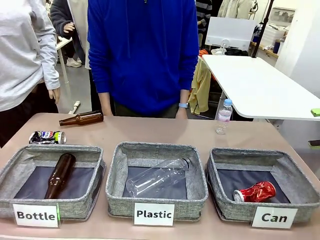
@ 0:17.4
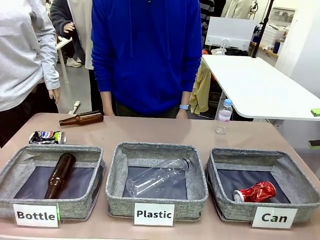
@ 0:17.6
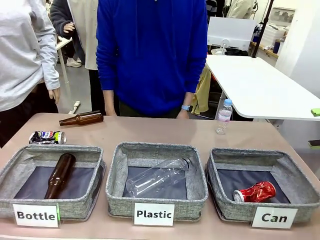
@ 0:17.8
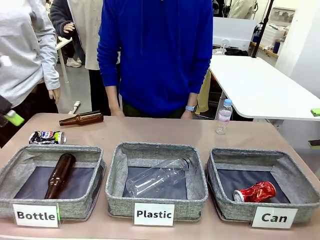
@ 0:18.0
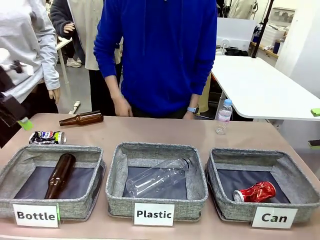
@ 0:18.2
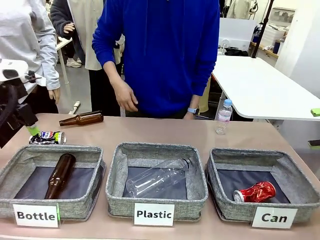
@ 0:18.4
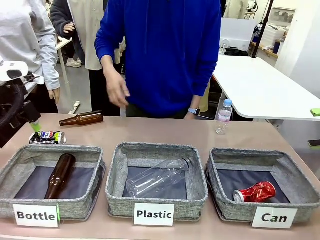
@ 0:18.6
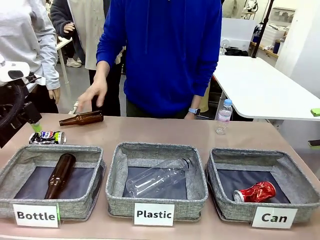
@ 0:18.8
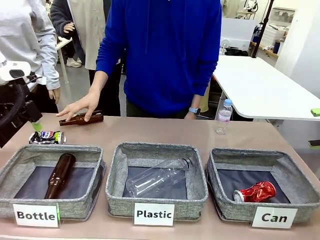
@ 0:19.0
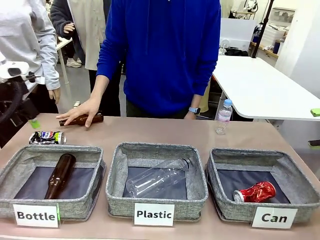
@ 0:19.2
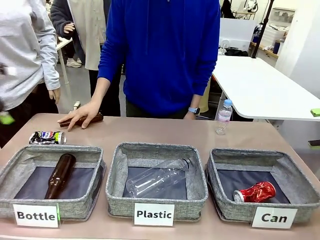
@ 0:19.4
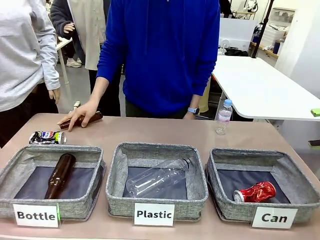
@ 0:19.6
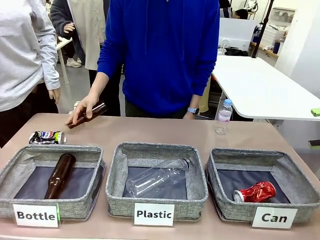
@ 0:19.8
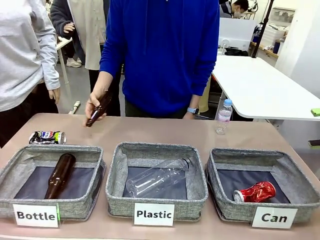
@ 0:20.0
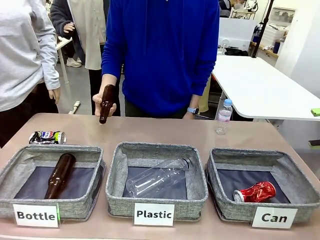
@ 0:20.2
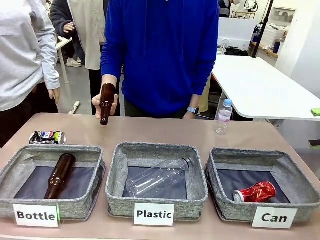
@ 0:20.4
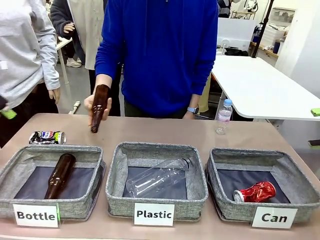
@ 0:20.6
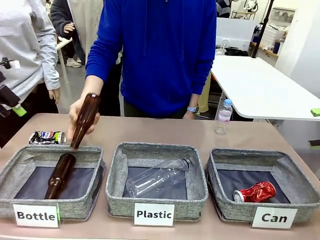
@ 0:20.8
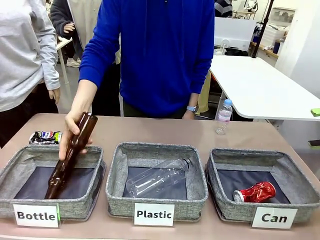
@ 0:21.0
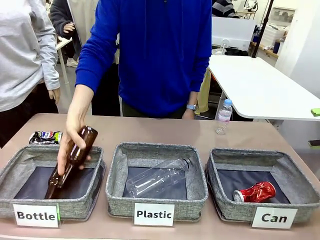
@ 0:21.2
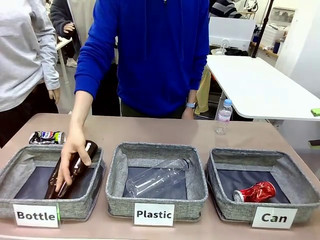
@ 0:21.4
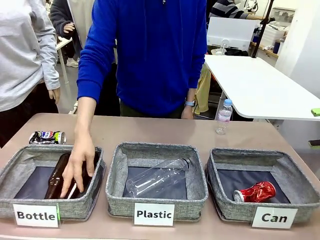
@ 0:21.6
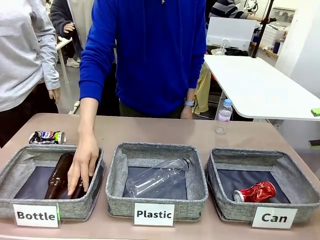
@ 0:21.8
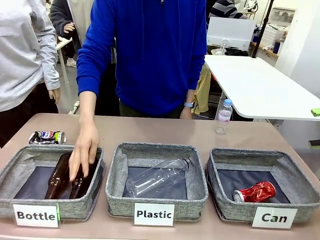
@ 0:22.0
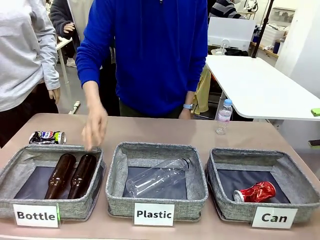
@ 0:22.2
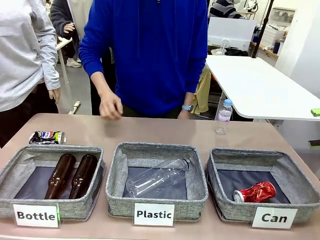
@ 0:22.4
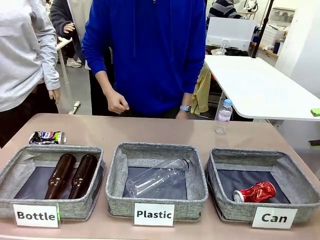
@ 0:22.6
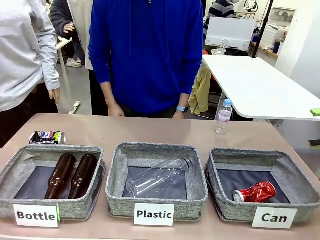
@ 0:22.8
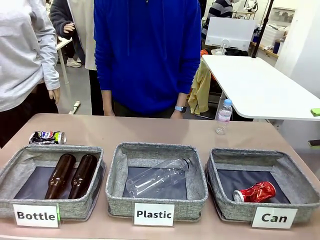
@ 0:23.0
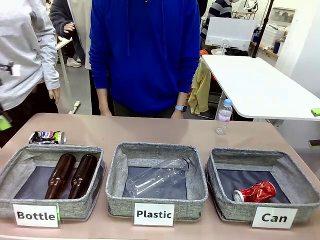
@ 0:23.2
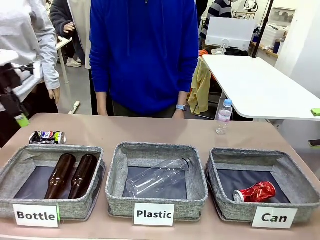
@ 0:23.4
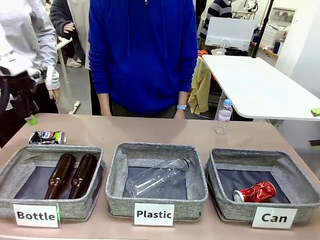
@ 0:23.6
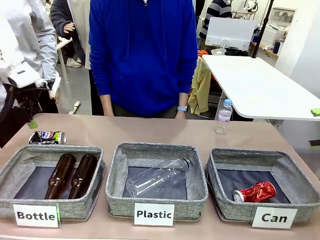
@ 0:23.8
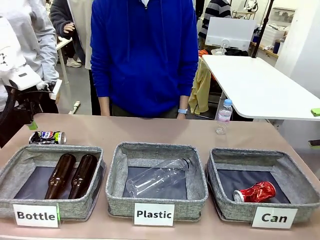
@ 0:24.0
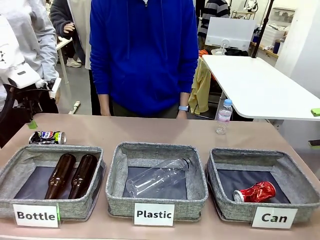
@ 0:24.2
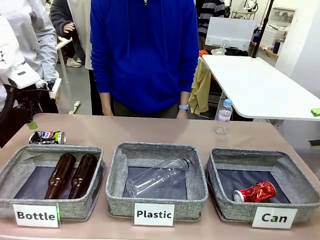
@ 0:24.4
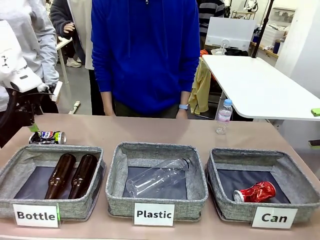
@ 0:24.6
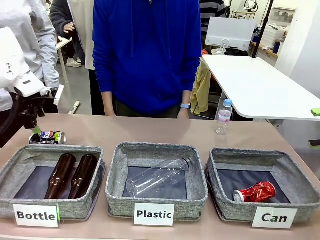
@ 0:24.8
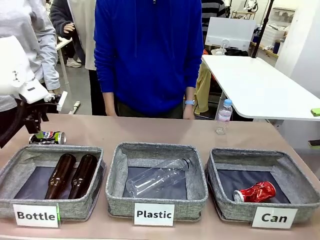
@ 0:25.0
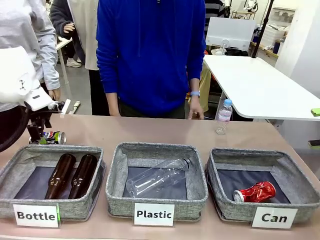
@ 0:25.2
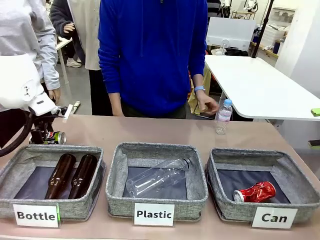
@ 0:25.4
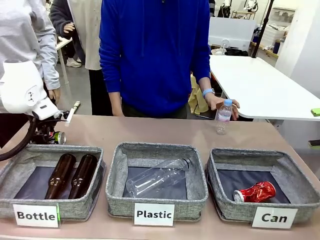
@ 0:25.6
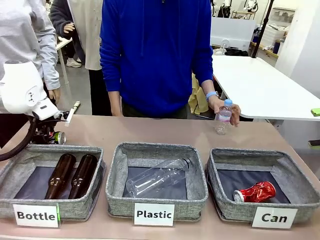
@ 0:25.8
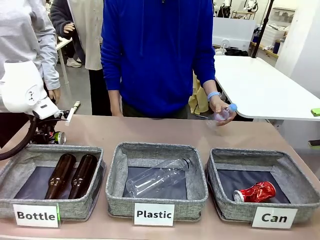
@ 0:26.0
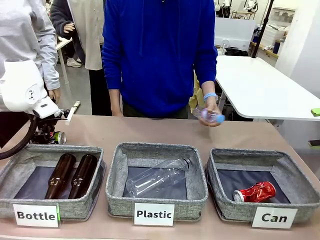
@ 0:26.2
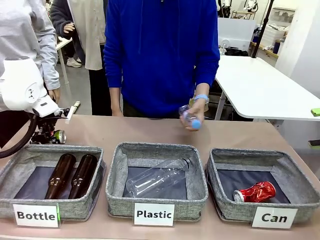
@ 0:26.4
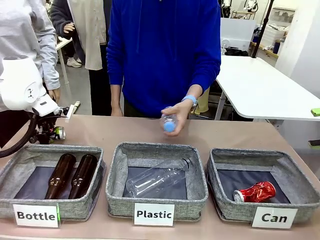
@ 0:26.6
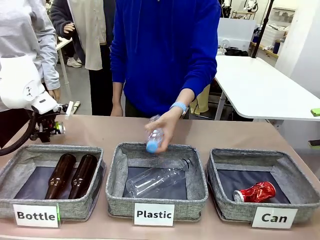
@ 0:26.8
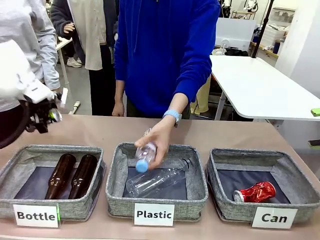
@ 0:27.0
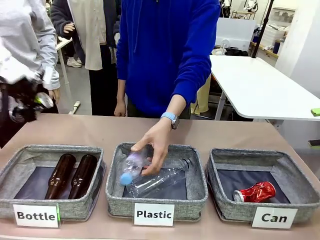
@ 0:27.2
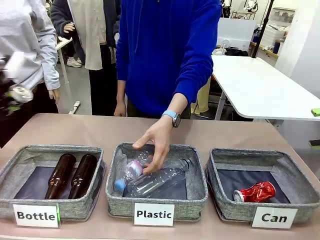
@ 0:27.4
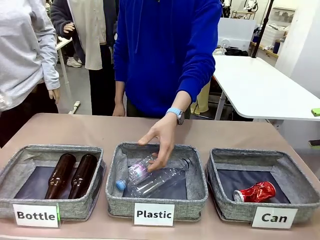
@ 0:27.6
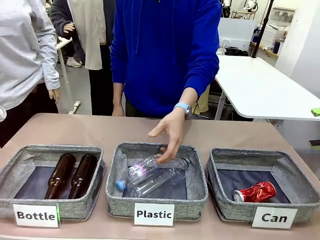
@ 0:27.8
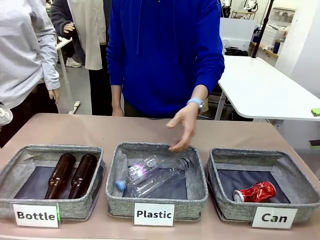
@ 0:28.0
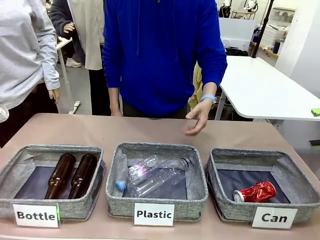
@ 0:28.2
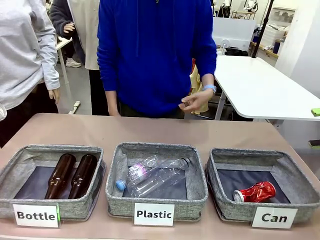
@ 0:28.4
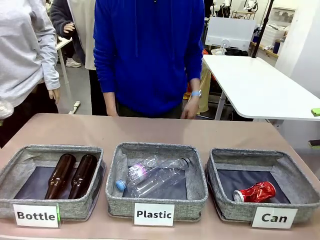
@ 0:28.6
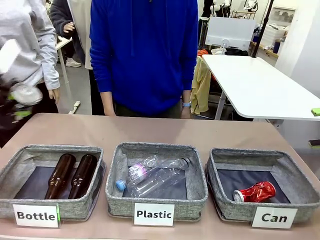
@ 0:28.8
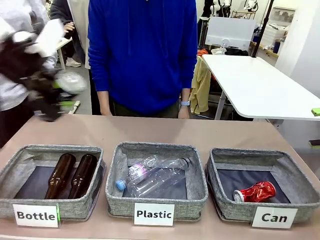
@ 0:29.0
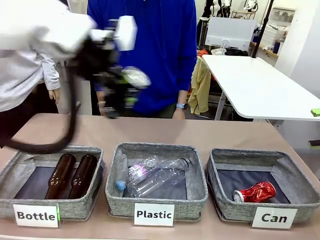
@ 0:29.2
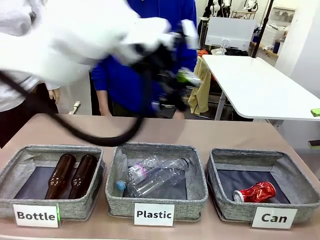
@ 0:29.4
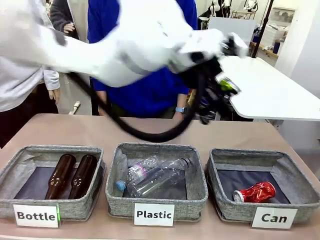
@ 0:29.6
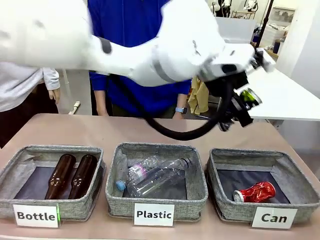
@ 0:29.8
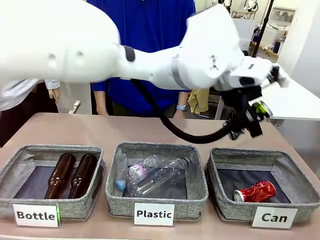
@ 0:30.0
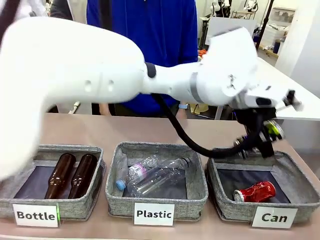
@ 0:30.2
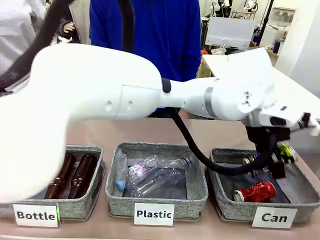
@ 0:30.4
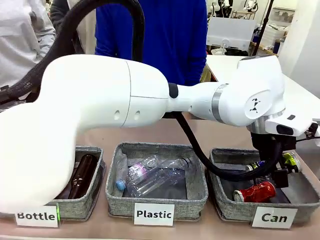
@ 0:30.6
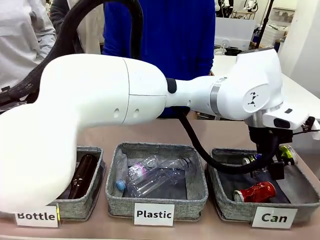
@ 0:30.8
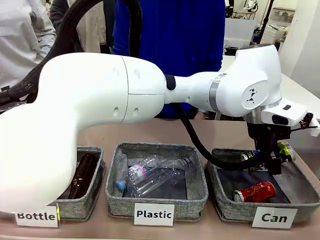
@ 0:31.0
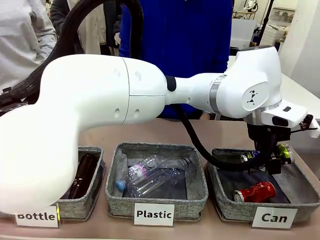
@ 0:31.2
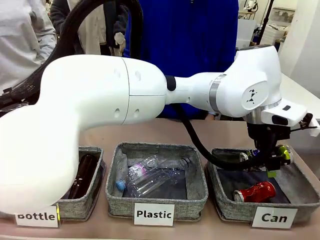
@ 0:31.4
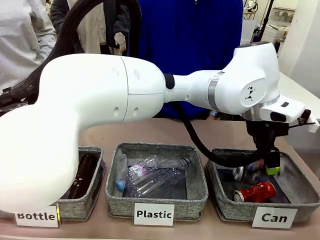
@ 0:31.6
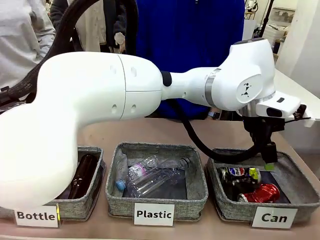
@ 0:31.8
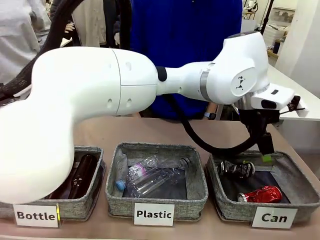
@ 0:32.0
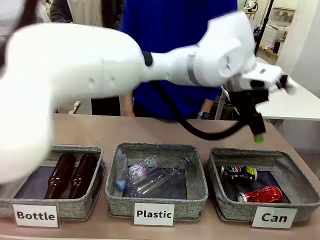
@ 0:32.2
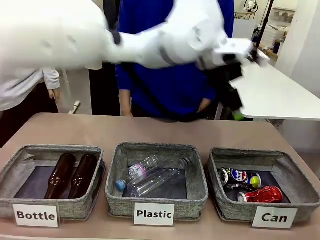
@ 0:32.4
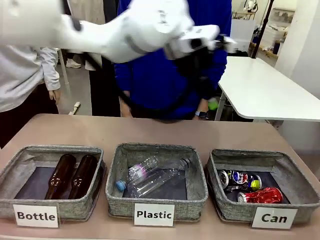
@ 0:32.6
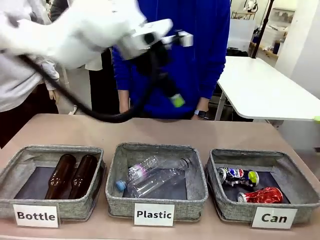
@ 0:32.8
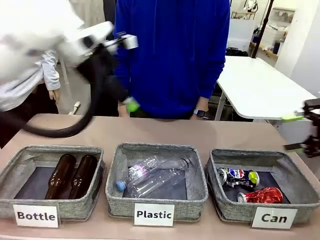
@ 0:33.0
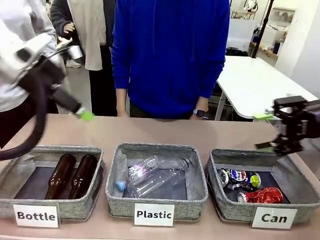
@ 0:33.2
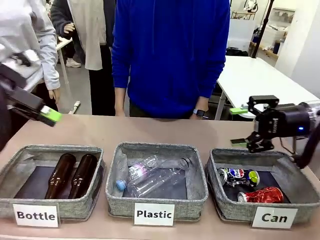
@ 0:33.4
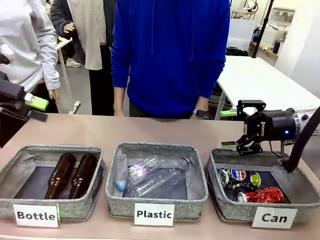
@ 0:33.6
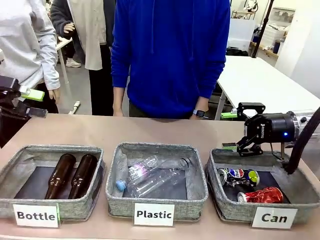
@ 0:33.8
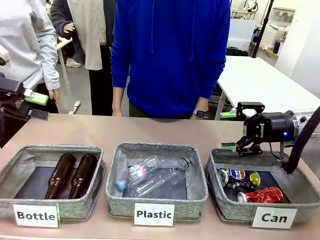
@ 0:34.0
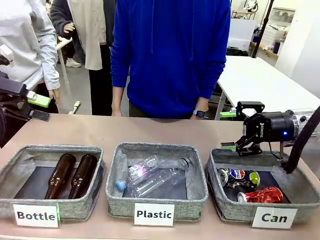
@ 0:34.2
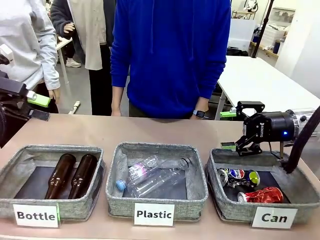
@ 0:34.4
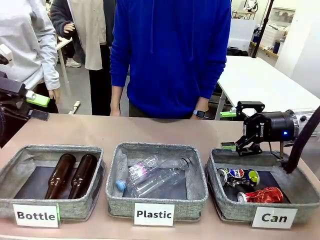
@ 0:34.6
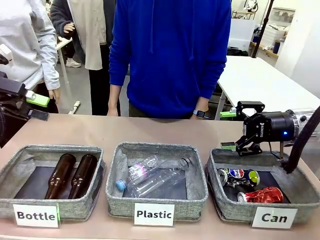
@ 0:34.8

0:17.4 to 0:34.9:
Task: Sort the can waste into the basket.
Robot: Pick up the can waste from the table and place it in the right Fabric basket.
Person: The human picks up one piece of trash that is not a can and places the trash into the appropriate organizing basket.
